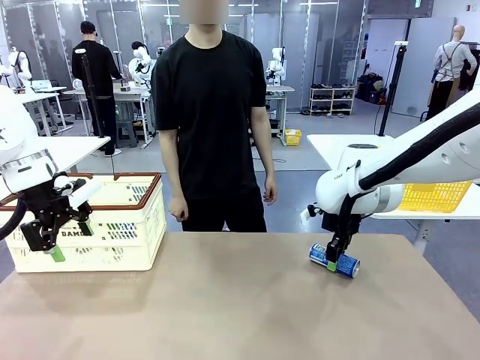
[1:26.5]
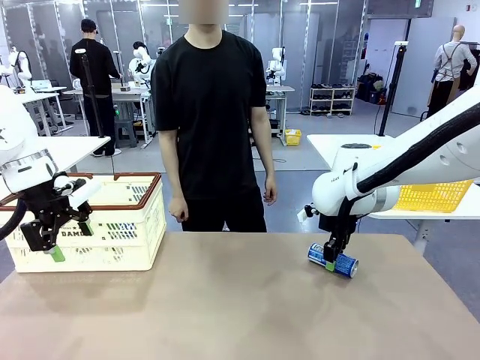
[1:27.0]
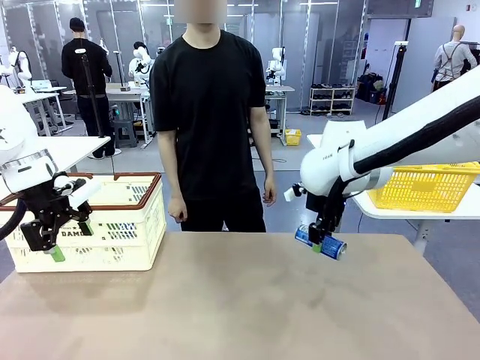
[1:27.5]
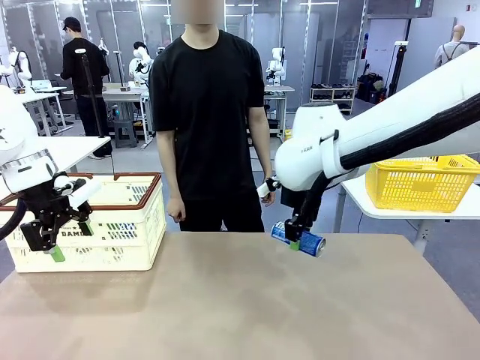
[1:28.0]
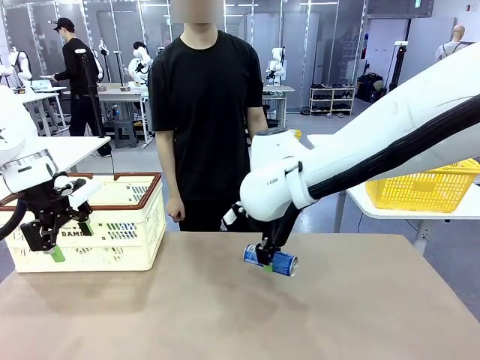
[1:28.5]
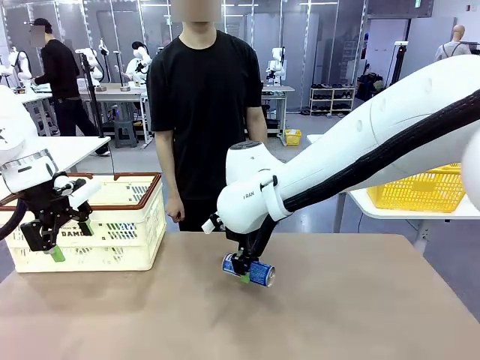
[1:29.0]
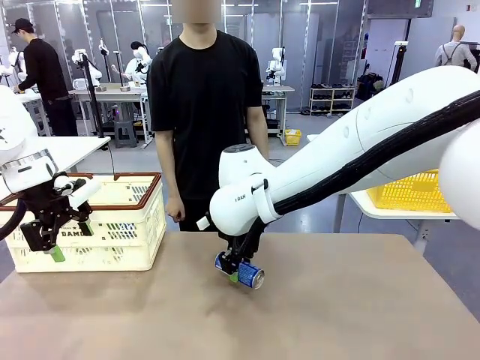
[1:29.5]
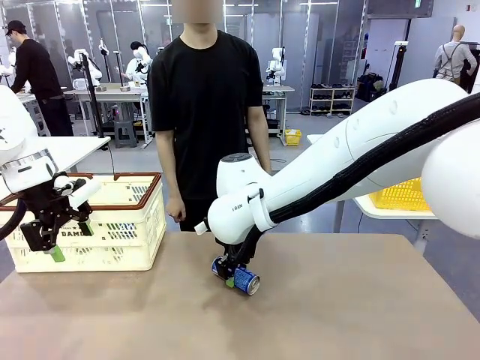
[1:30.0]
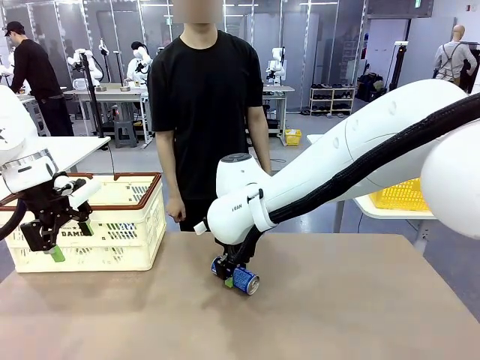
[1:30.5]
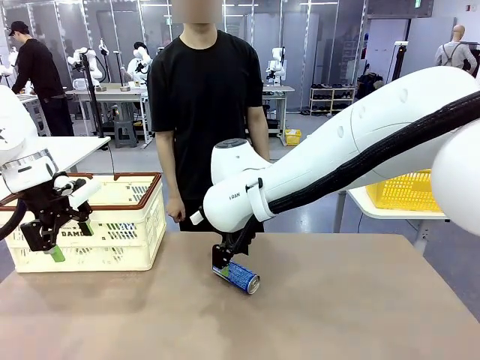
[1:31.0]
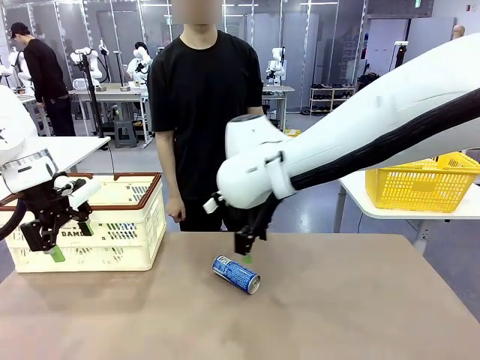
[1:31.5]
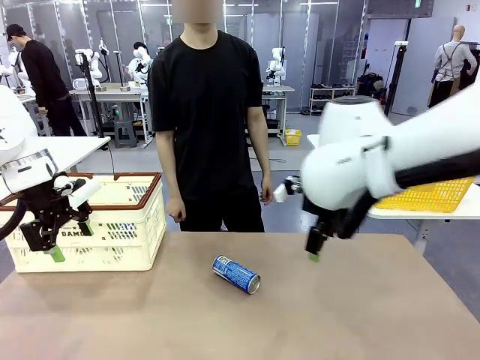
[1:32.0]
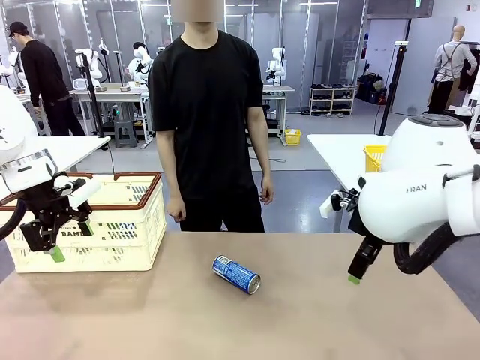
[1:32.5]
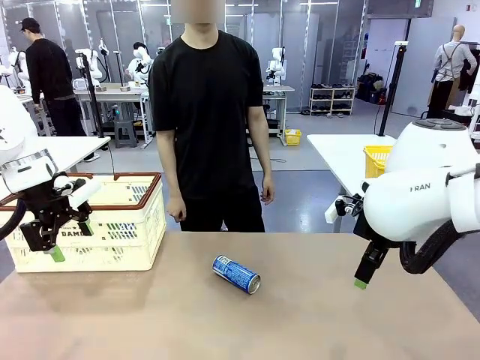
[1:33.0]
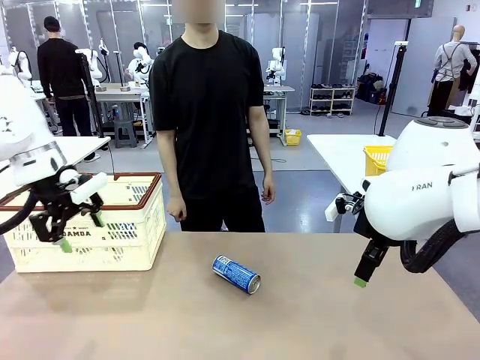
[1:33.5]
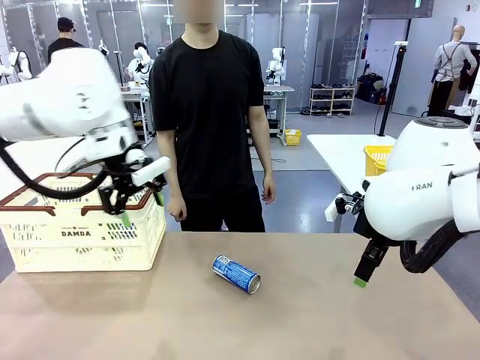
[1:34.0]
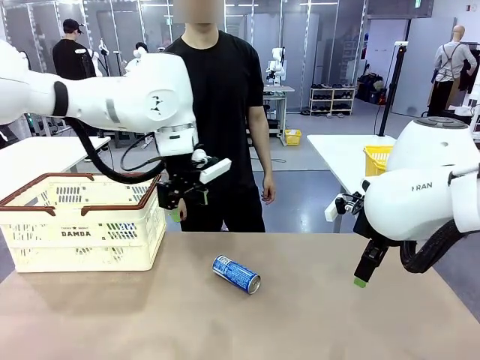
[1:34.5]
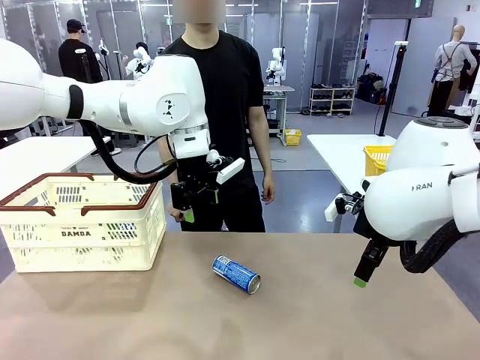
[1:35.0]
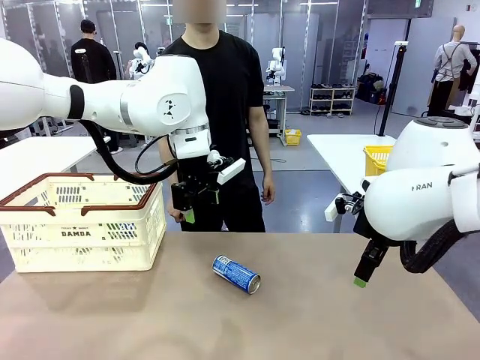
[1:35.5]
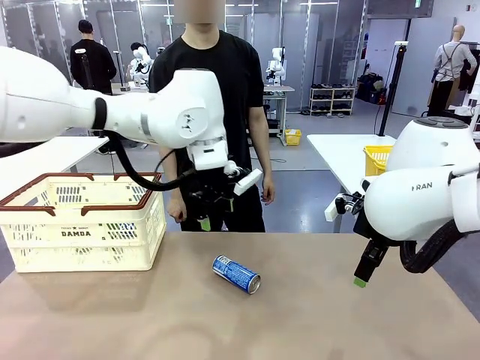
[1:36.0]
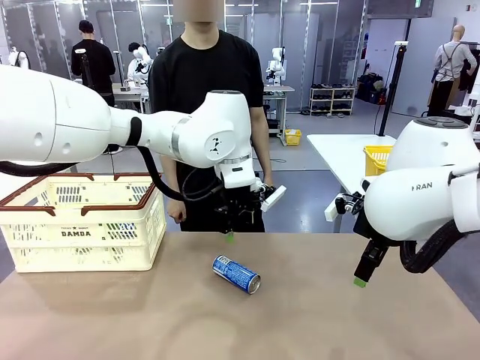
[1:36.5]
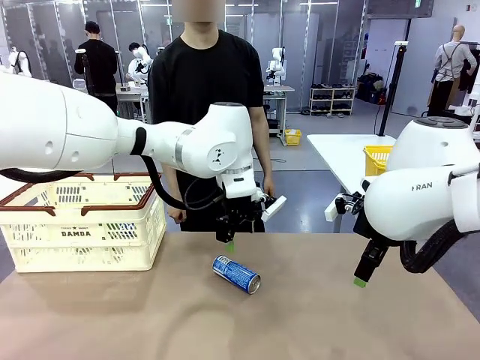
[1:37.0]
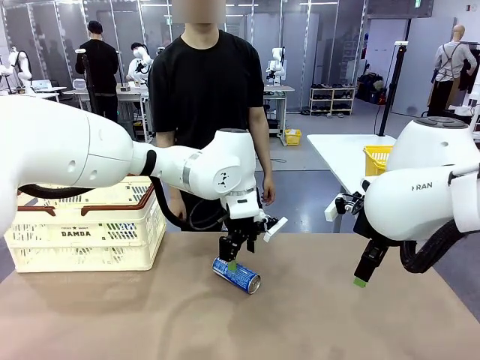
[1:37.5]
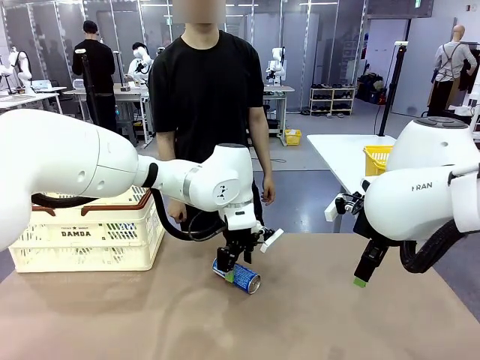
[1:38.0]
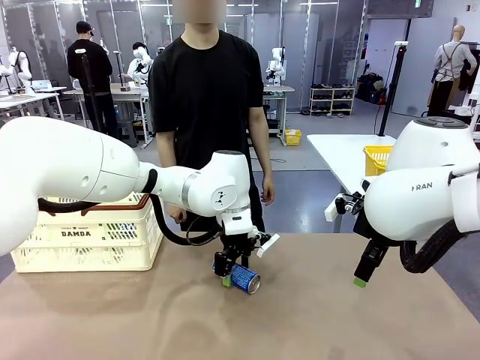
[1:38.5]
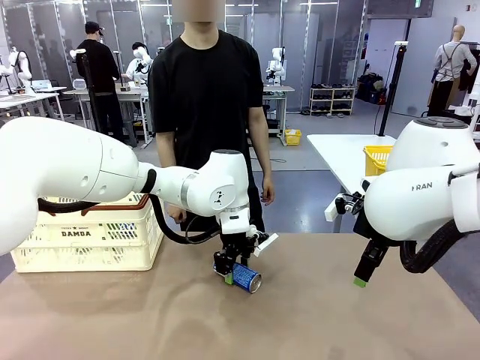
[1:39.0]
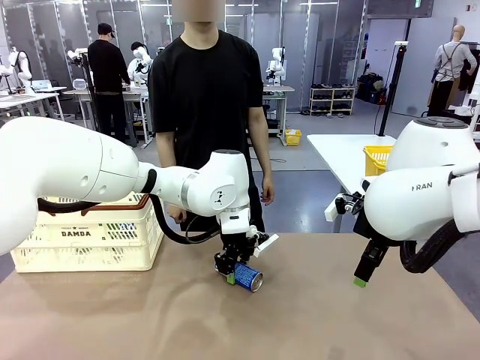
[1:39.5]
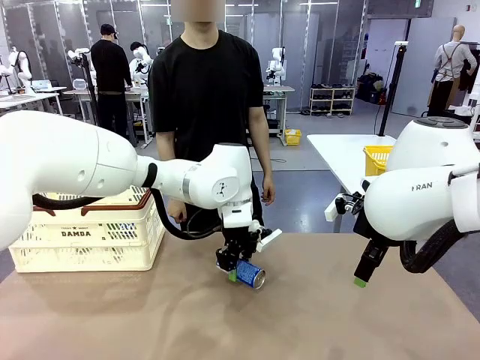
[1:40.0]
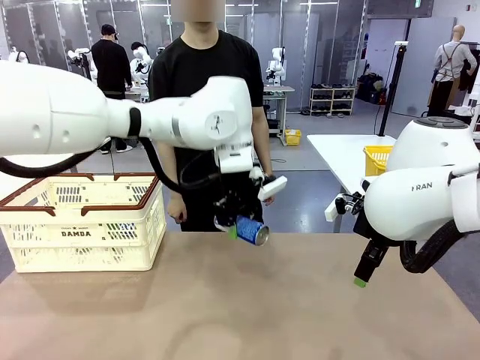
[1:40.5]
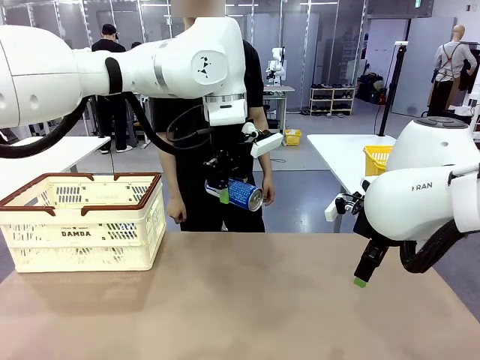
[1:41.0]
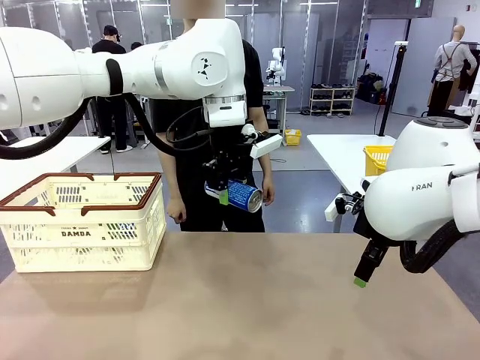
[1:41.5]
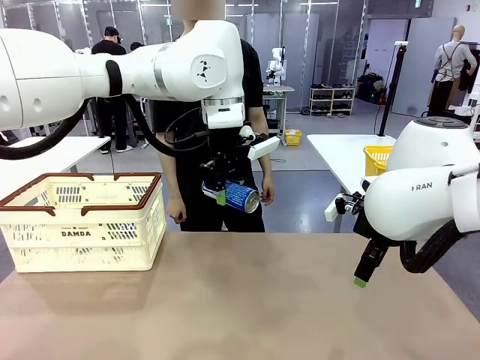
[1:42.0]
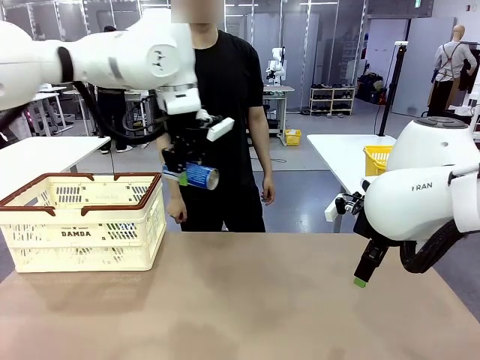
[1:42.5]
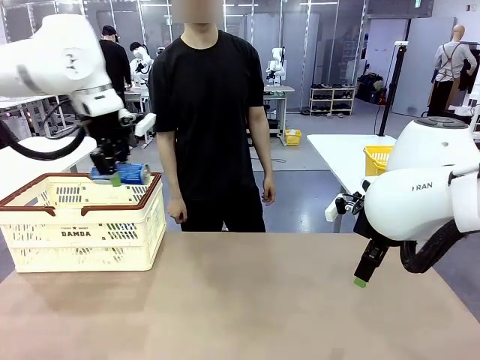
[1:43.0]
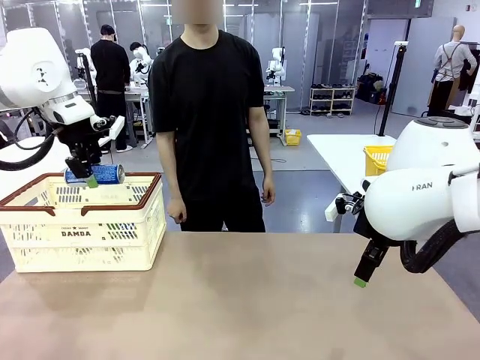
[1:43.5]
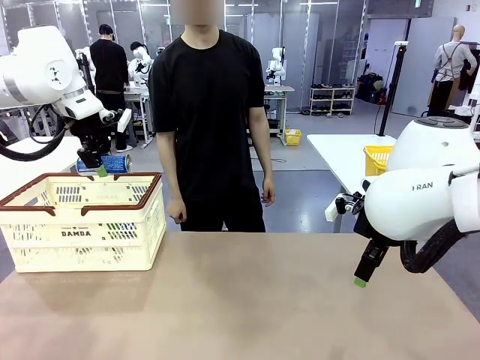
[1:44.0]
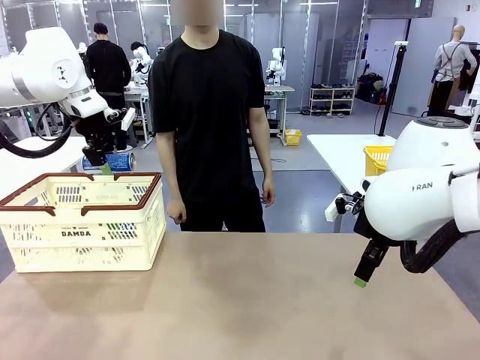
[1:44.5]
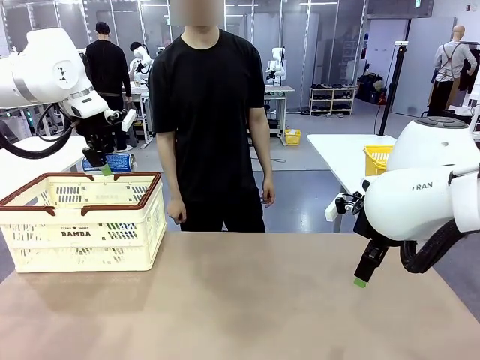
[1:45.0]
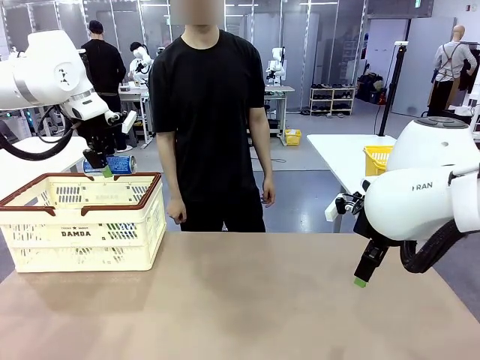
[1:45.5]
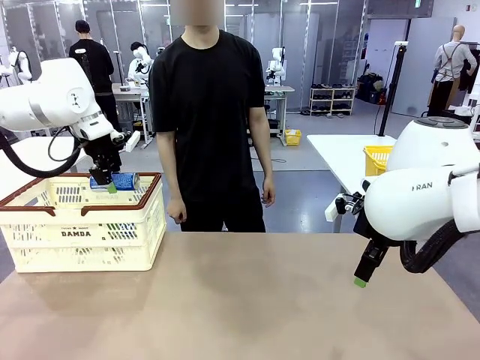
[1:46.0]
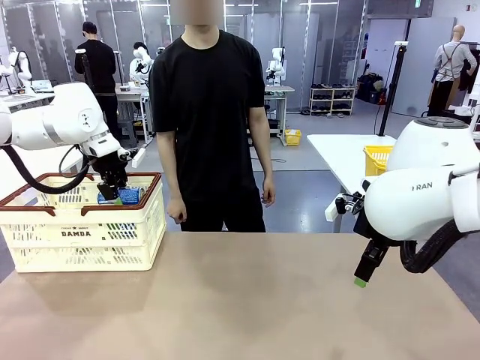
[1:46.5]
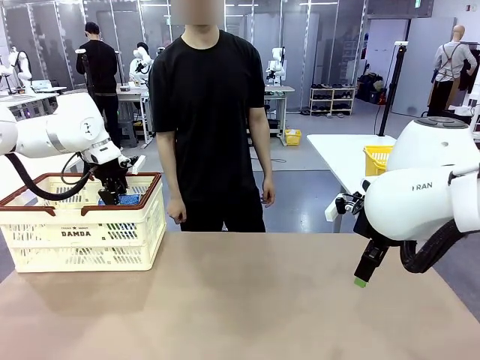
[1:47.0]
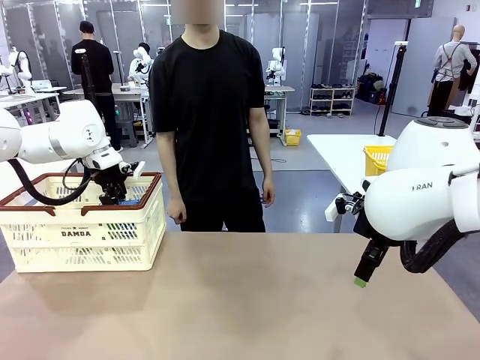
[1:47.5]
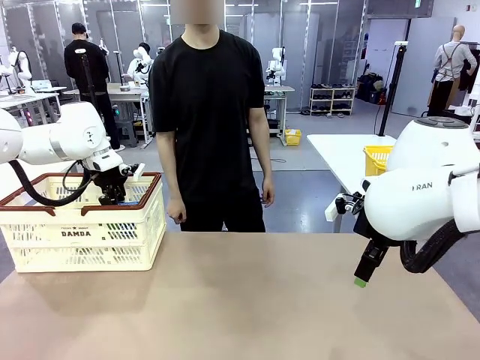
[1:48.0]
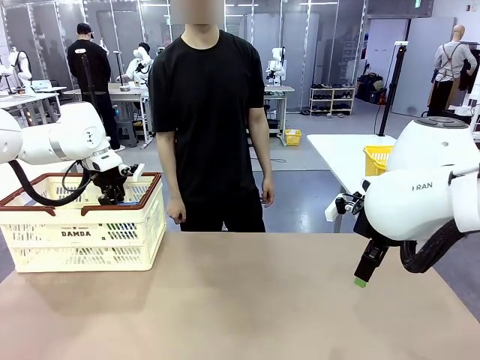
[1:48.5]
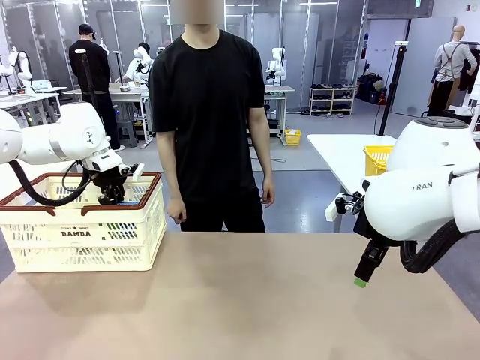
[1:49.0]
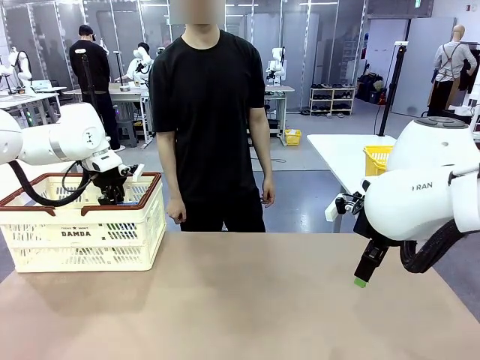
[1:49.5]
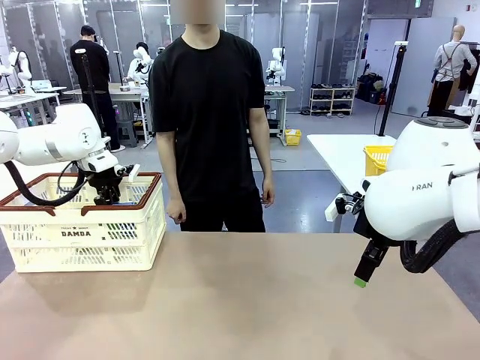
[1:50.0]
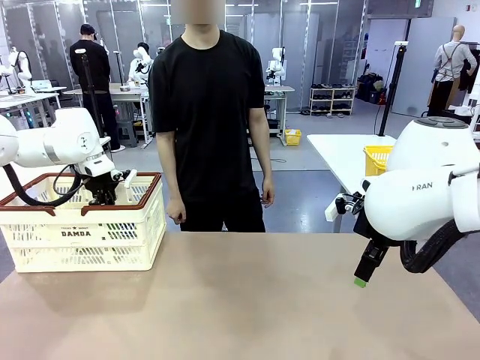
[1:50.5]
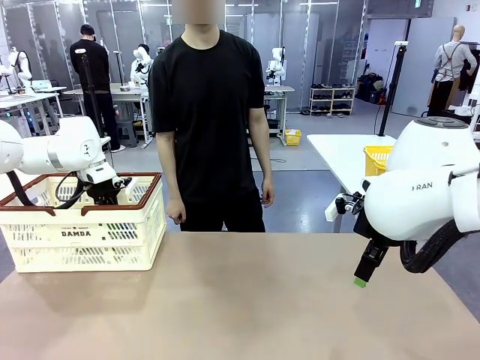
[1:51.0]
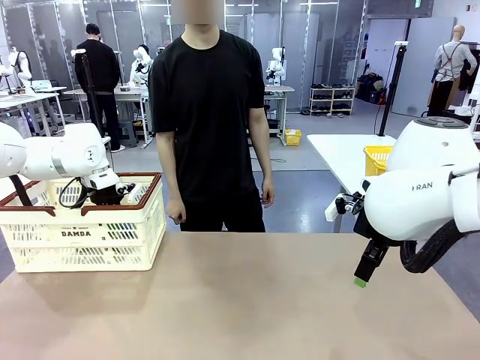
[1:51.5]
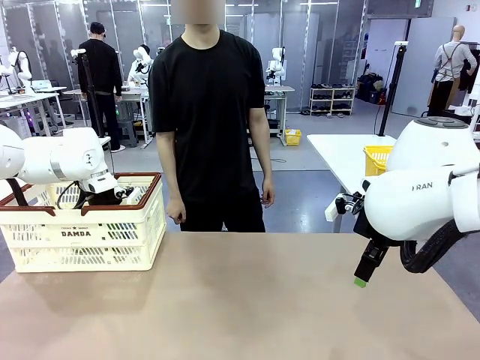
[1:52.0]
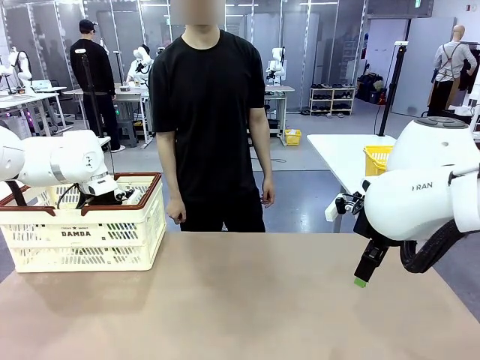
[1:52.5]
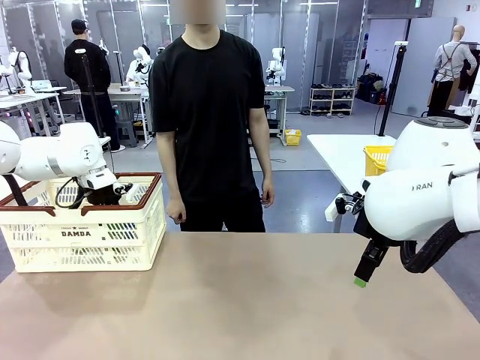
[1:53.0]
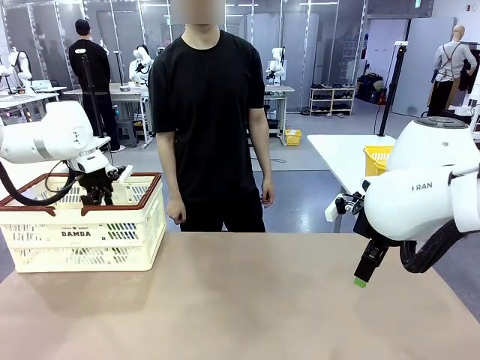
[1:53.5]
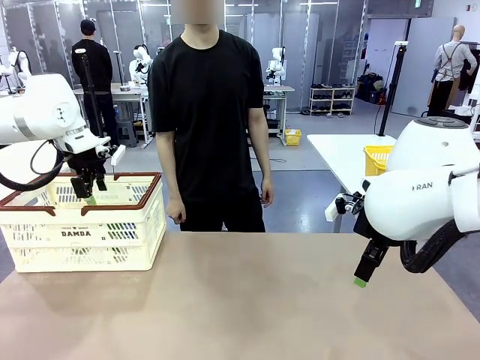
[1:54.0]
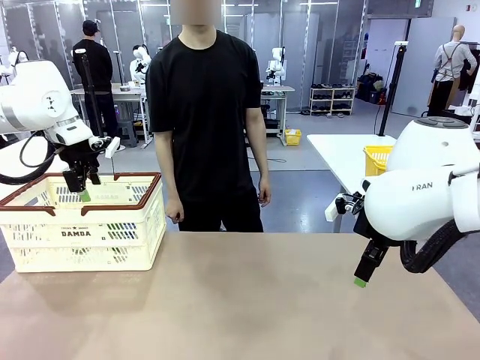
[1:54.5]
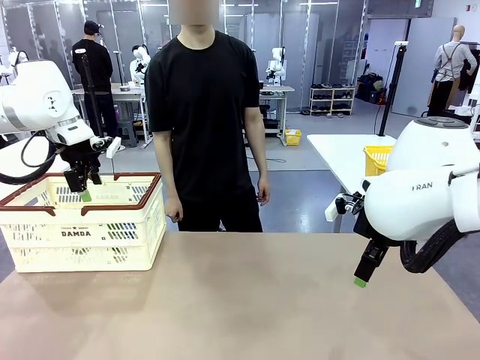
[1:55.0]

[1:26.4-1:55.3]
Task: Place the drinks into the Shopping basket.
Robot: Pick up one drink and place it into the Shopping basket.
